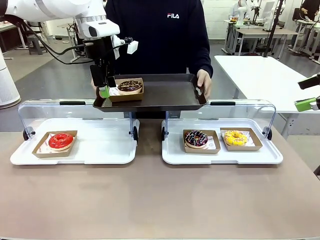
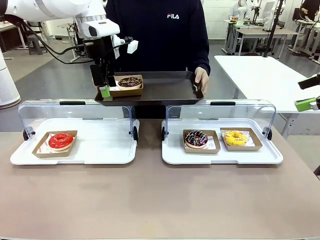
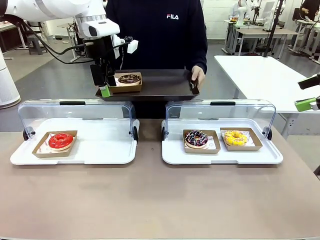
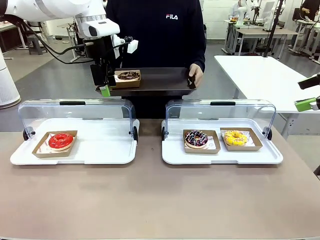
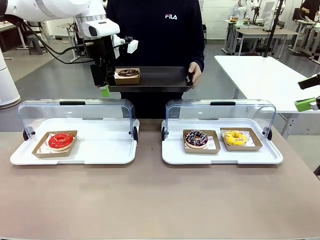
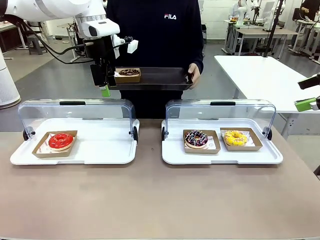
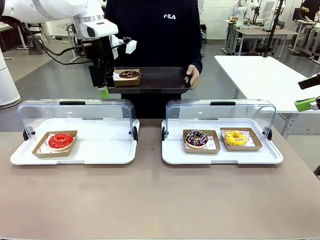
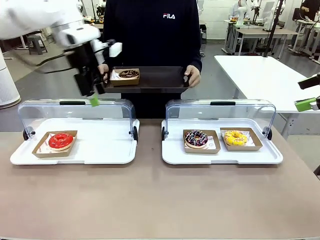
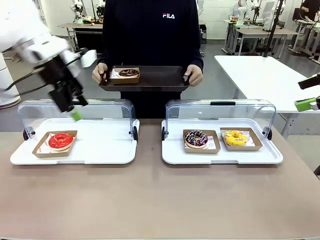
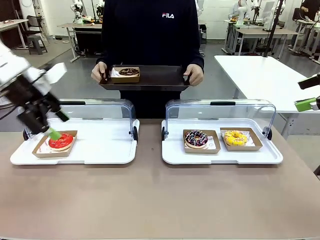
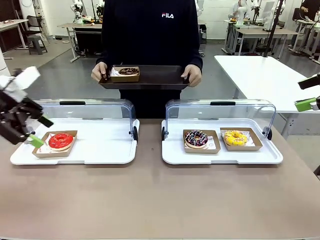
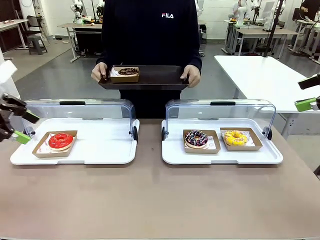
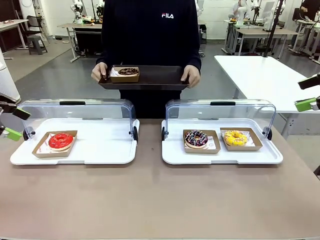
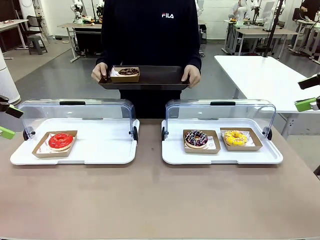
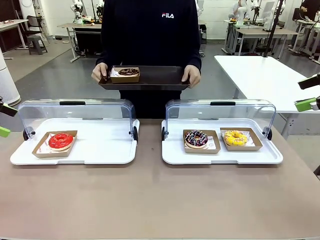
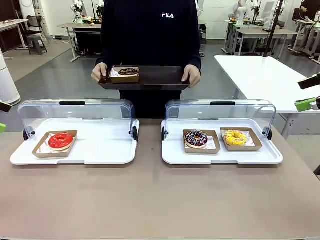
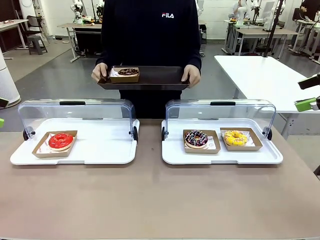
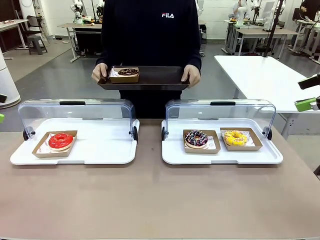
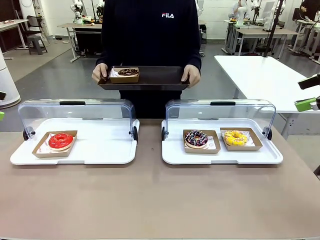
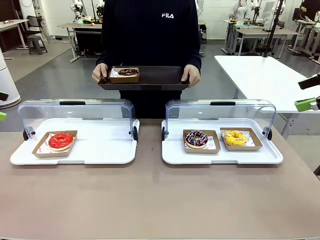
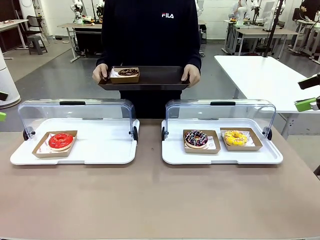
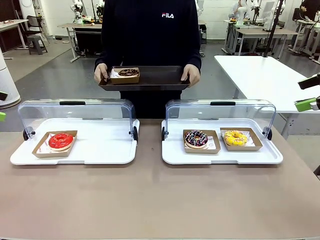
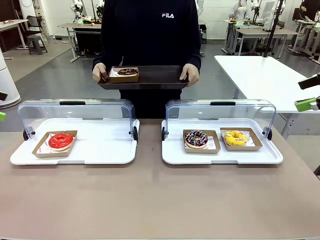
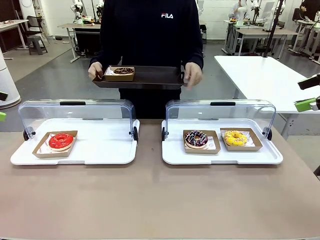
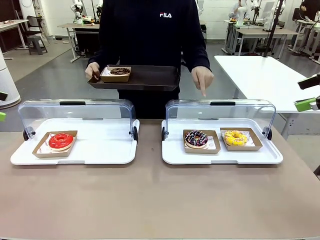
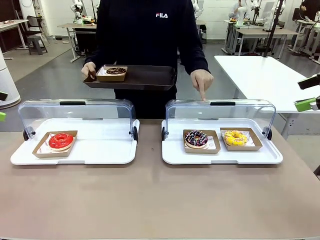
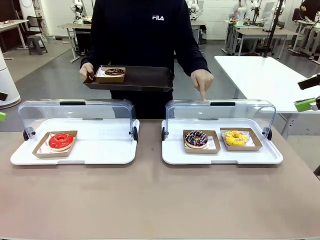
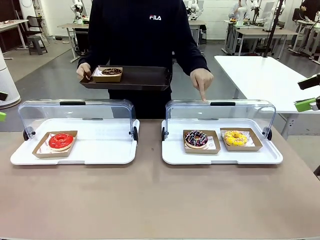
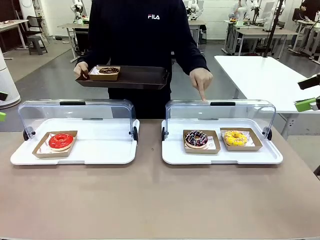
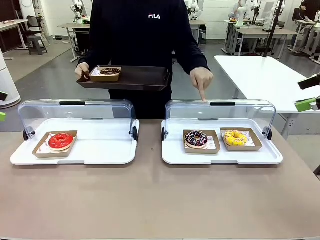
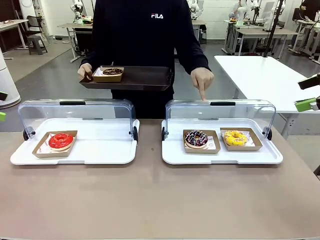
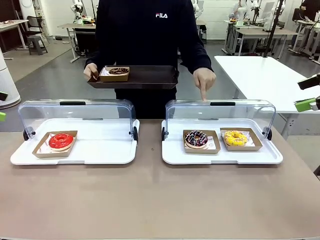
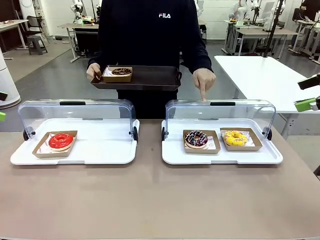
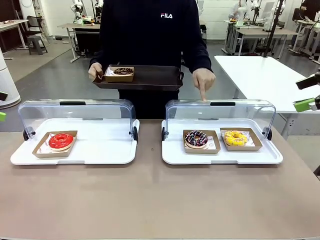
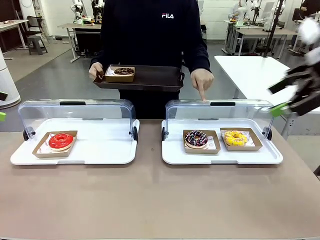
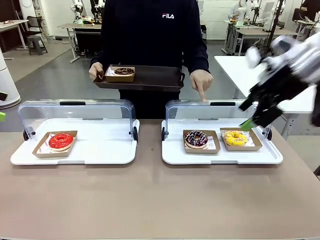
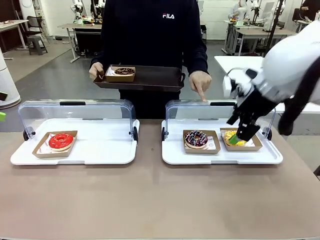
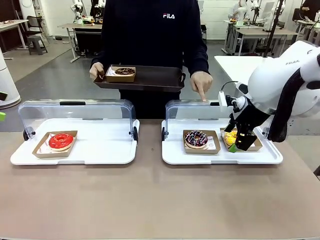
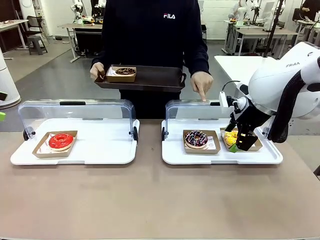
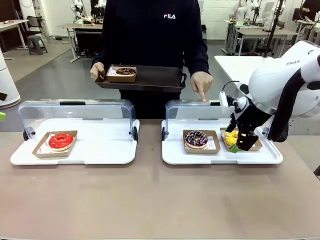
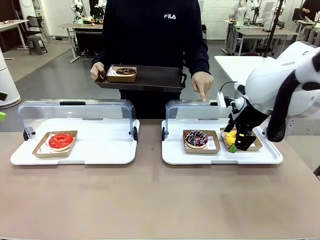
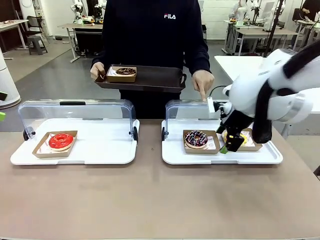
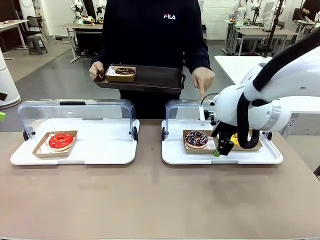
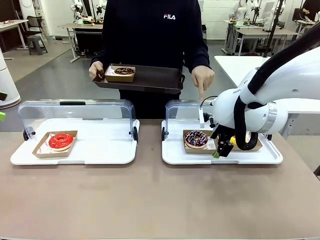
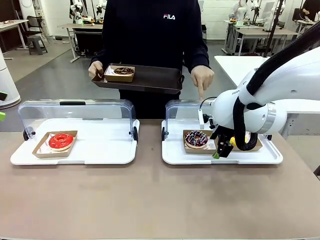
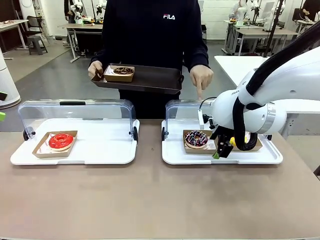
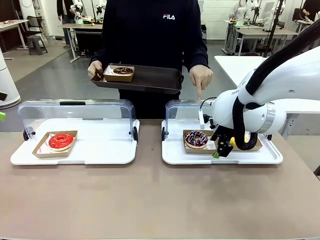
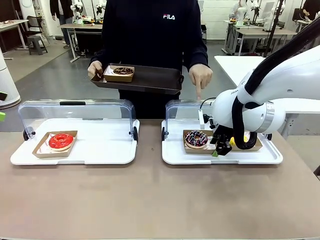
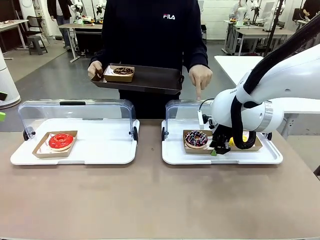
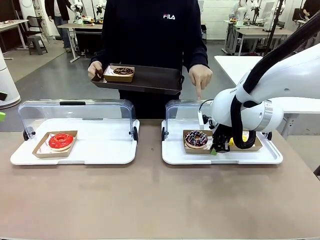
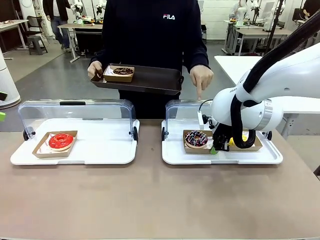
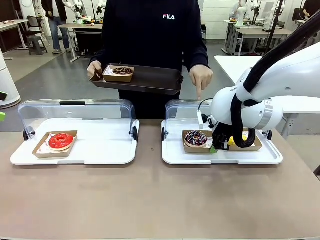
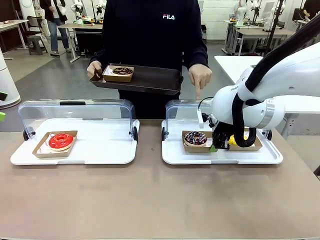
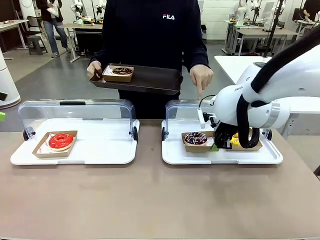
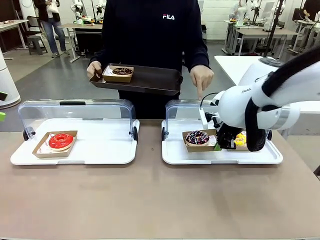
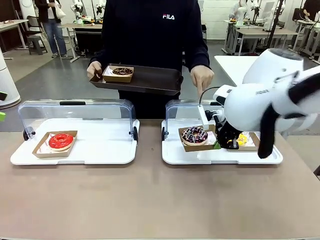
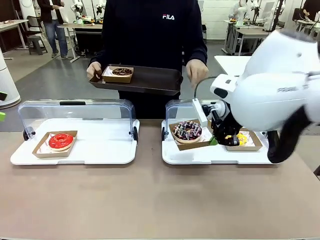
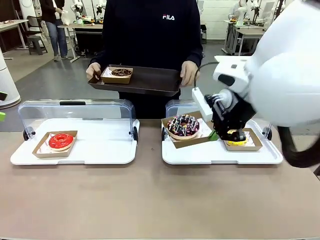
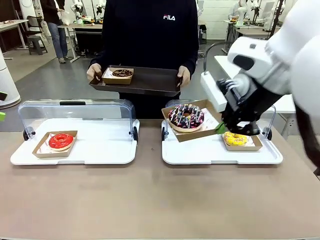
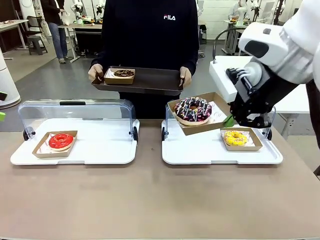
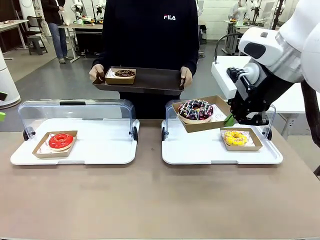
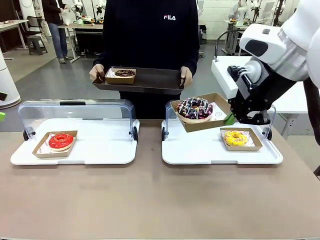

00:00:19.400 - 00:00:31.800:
Task: Provide the desired donut to the person.
Robot: Pick up and lift the Paper togo box containing the Donut pointed at by the person.
Person: Point to one donut. Lift the tray onto the Roll-Top Bakery Case.

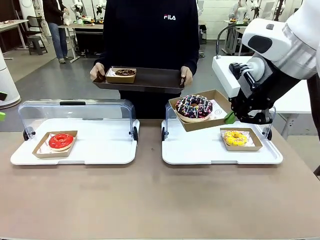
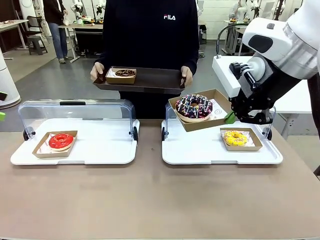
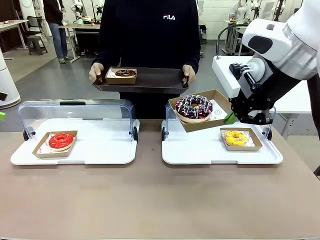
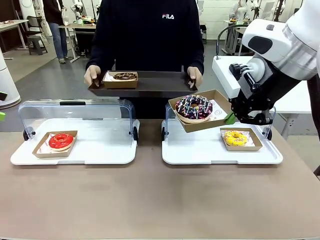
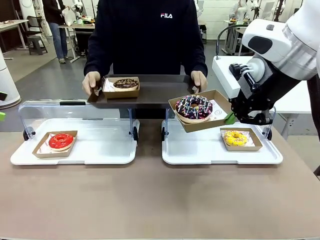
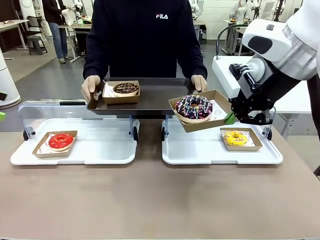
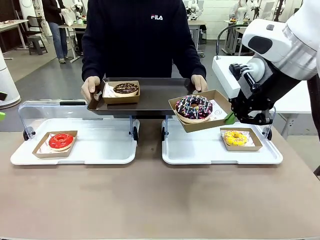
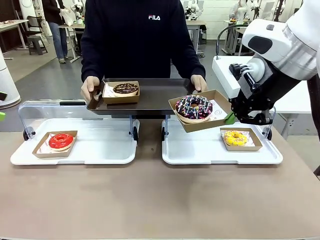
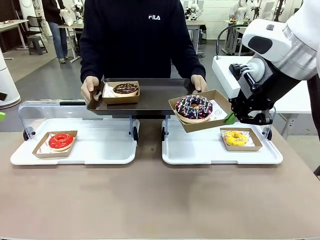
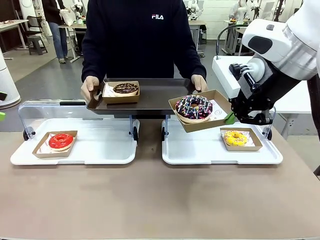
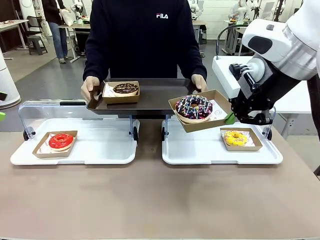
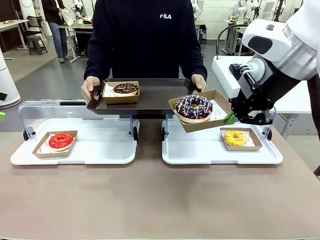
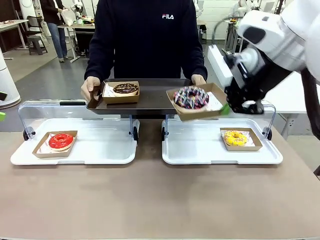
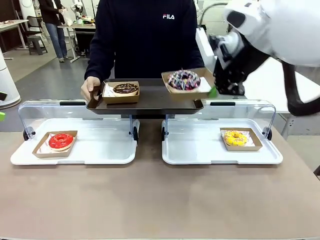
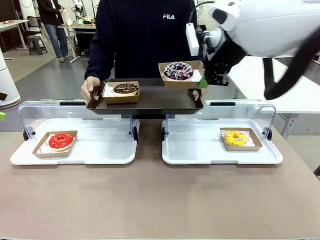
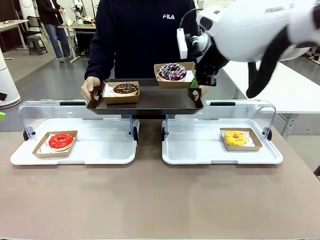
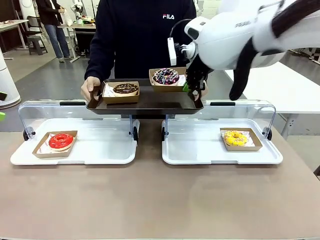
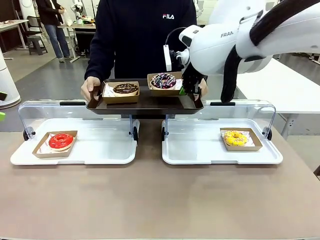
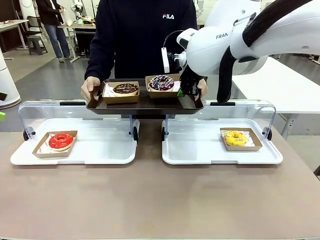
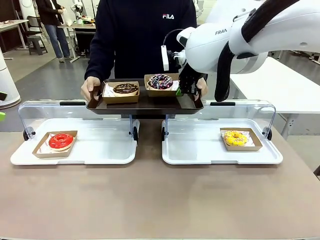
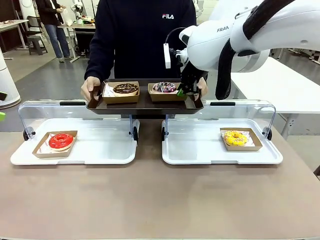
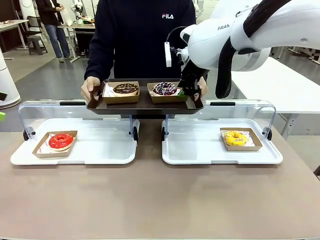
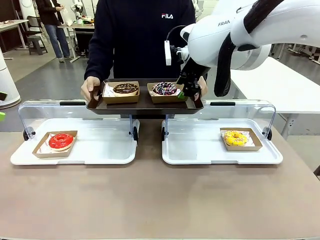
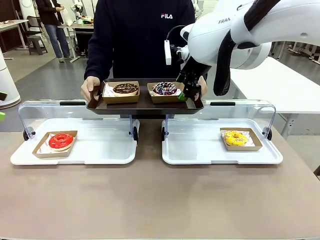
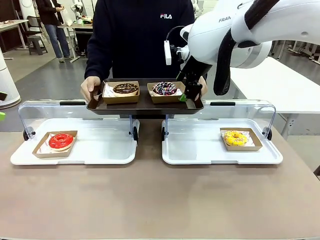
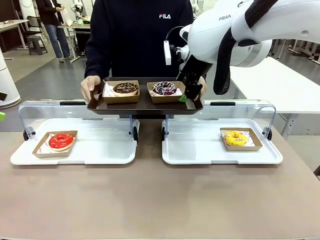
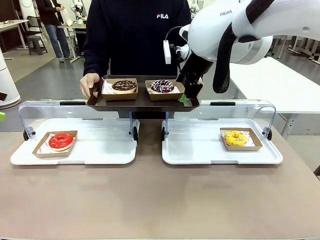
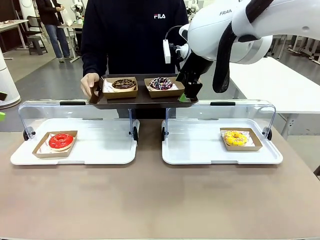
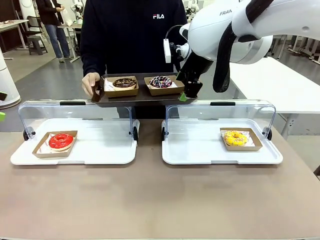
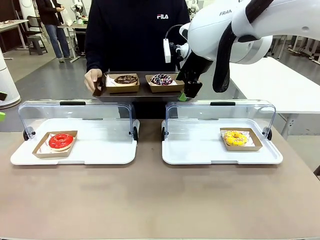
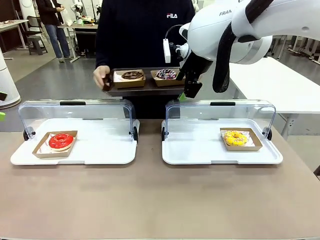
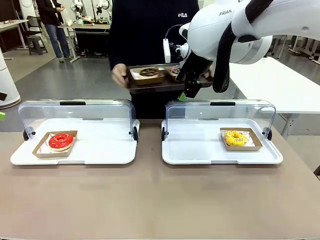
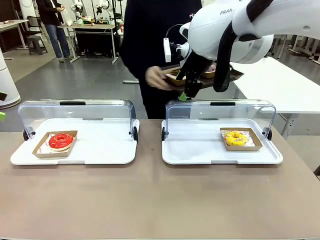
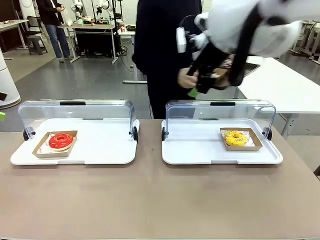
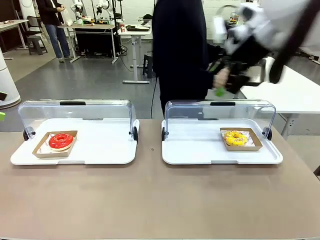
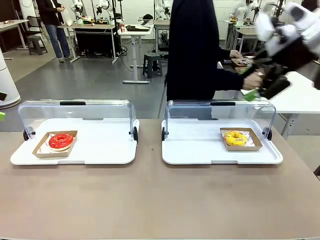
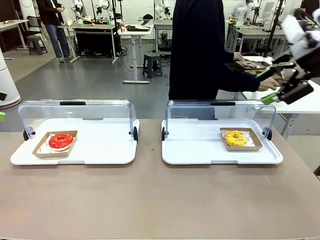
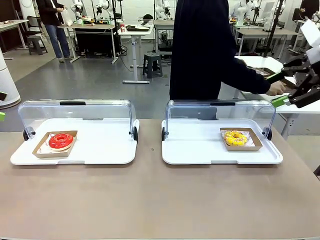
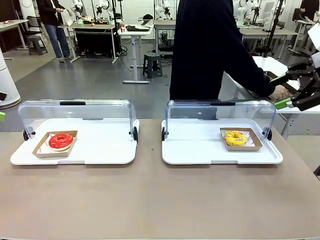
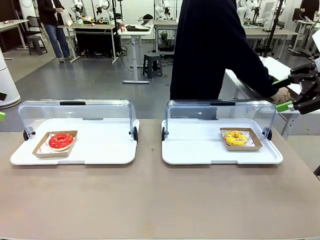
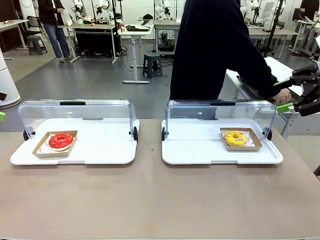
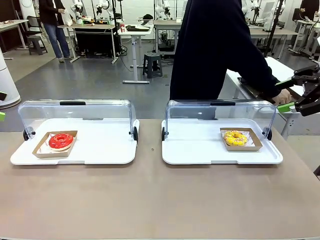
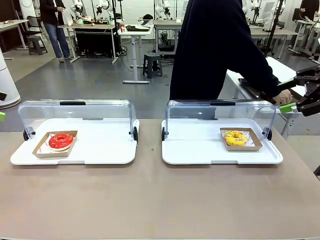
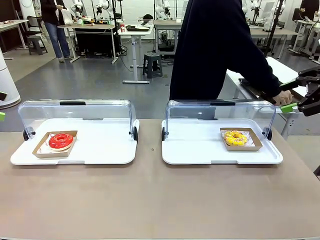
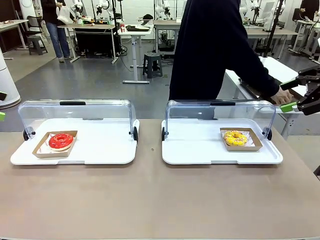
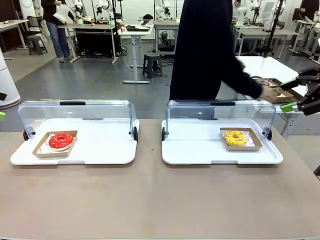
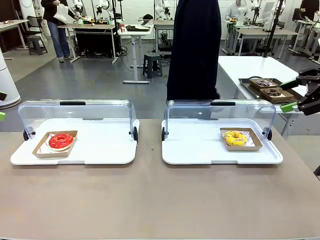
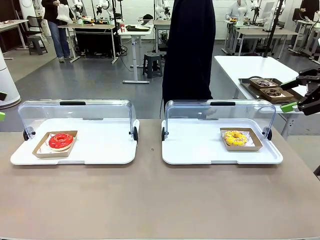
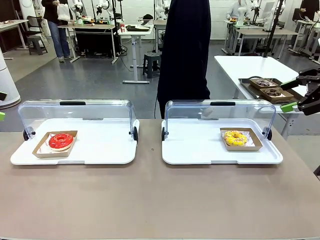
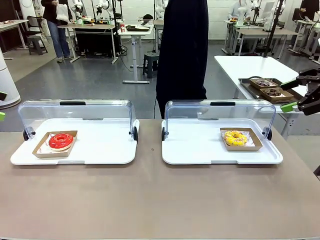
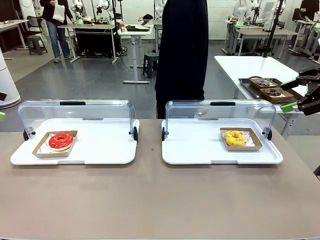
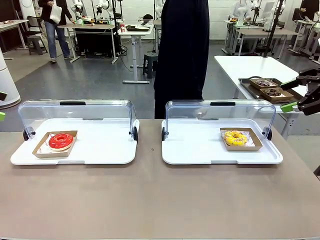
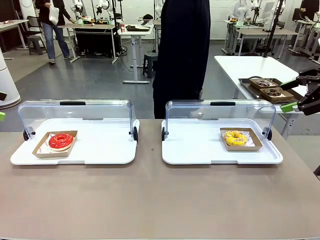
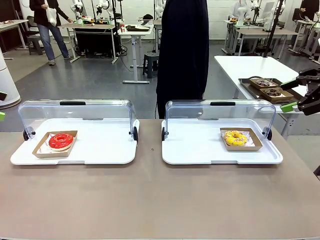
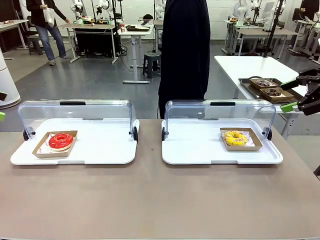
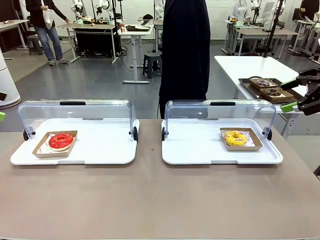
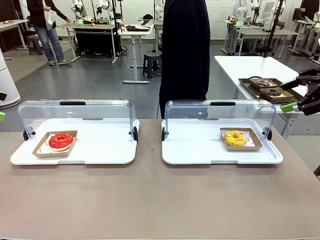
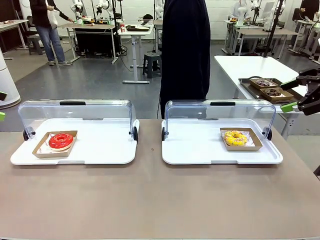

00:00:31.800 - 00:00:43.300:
Robot: Place the picked Paper togo box onto the Handle tray extended by the person.
Person: Place the tray in the middle of the human table.
